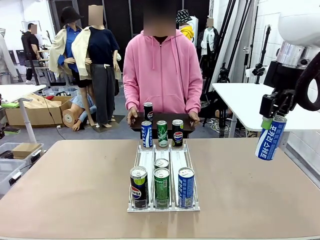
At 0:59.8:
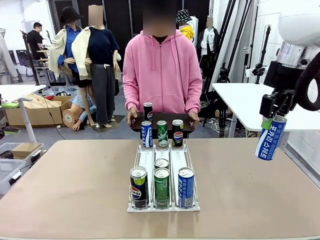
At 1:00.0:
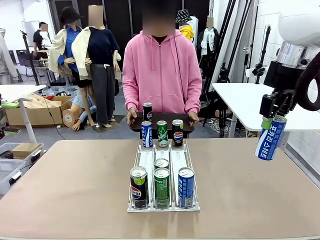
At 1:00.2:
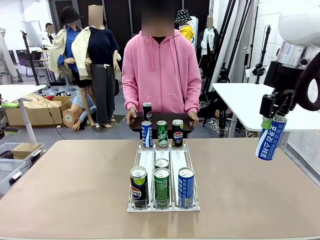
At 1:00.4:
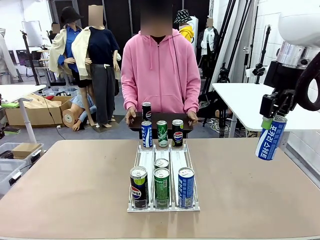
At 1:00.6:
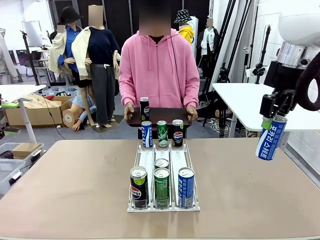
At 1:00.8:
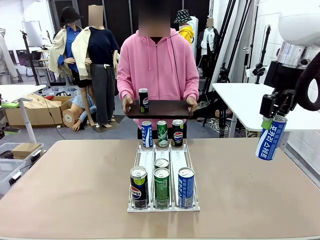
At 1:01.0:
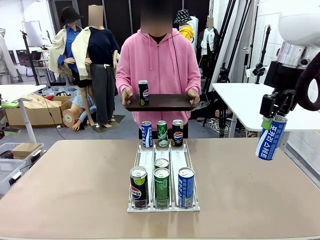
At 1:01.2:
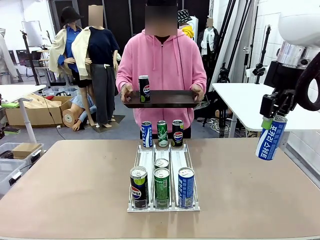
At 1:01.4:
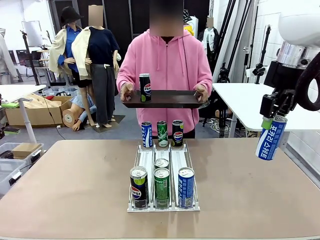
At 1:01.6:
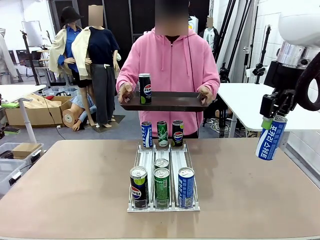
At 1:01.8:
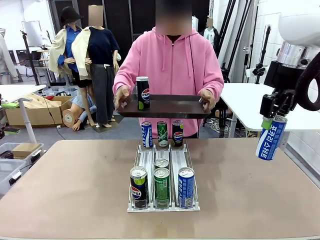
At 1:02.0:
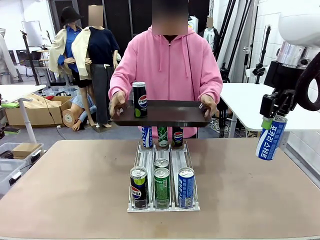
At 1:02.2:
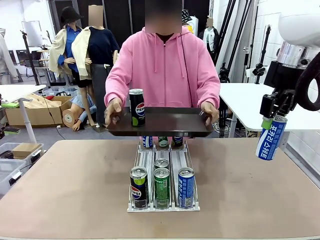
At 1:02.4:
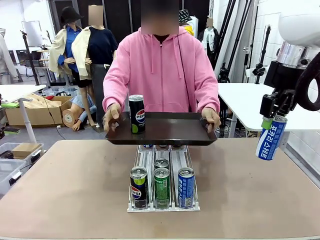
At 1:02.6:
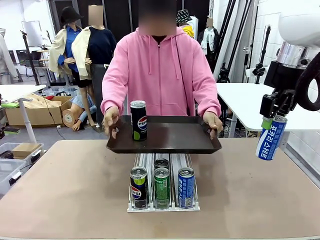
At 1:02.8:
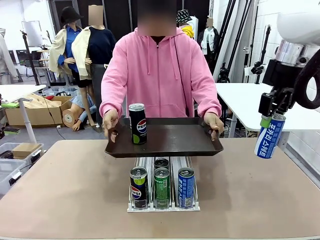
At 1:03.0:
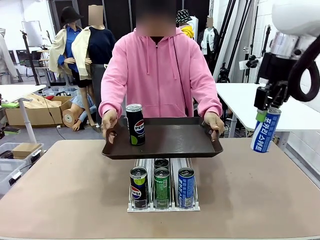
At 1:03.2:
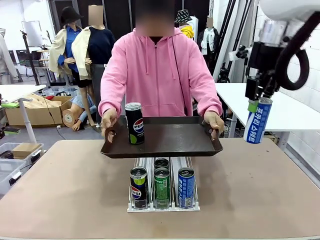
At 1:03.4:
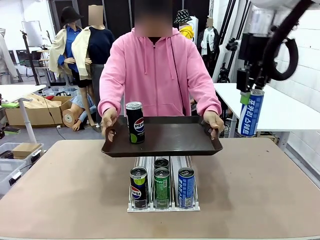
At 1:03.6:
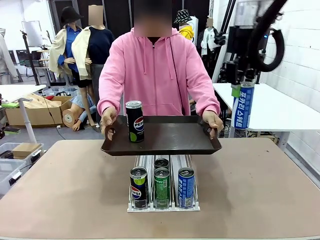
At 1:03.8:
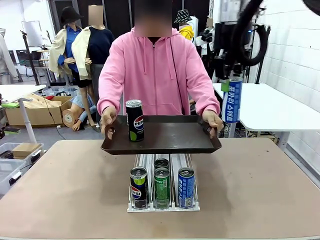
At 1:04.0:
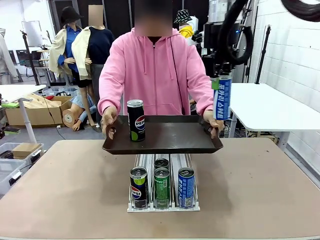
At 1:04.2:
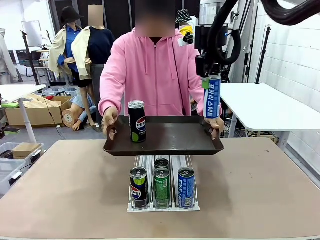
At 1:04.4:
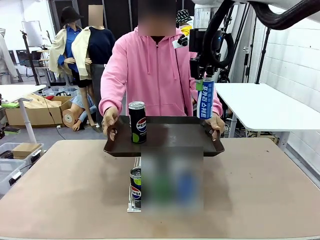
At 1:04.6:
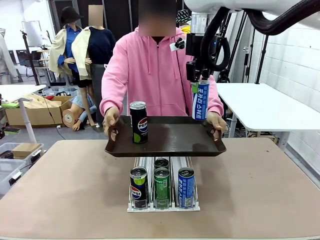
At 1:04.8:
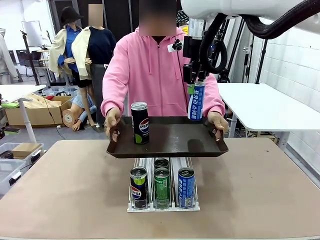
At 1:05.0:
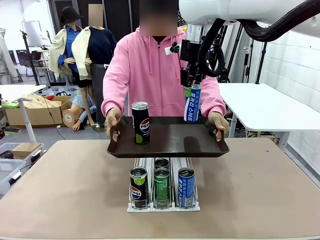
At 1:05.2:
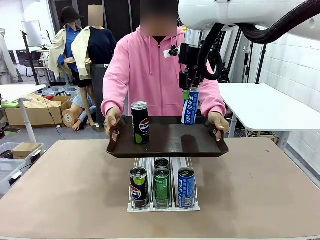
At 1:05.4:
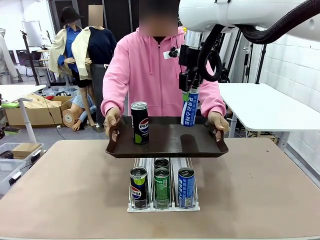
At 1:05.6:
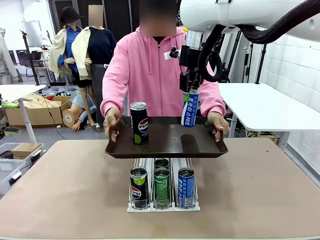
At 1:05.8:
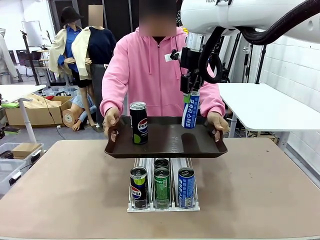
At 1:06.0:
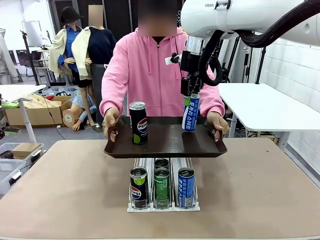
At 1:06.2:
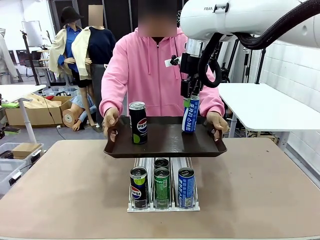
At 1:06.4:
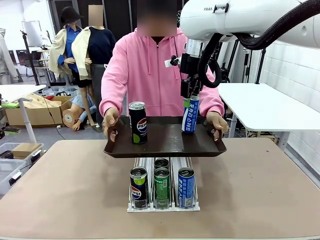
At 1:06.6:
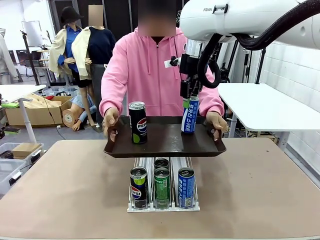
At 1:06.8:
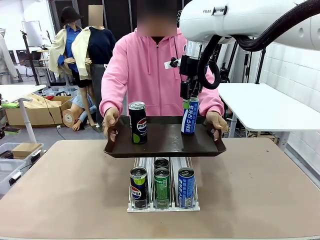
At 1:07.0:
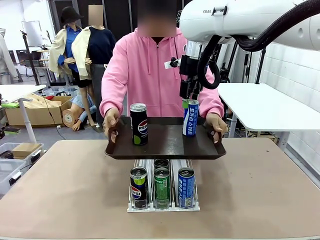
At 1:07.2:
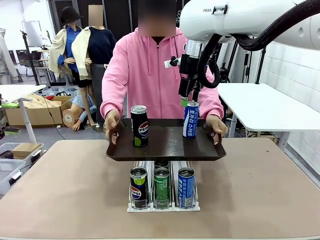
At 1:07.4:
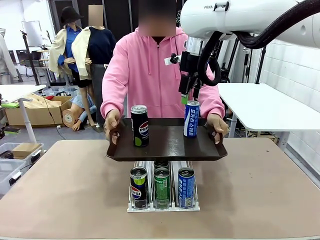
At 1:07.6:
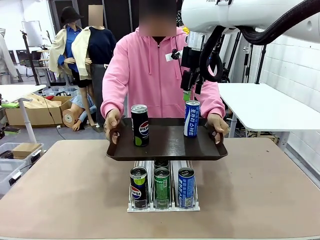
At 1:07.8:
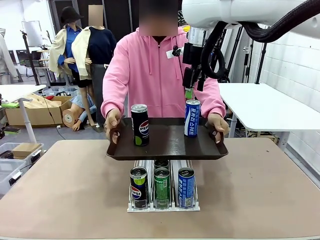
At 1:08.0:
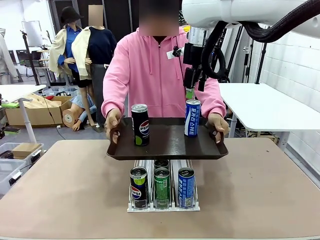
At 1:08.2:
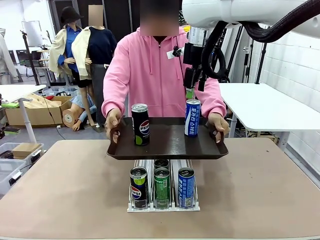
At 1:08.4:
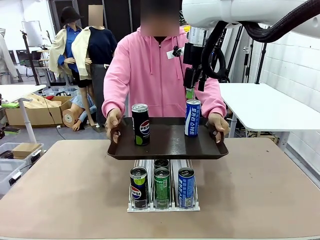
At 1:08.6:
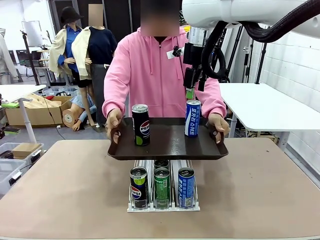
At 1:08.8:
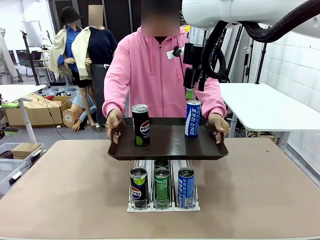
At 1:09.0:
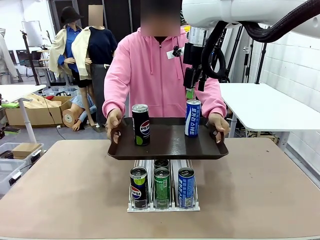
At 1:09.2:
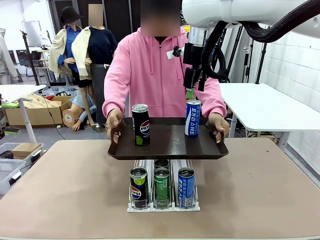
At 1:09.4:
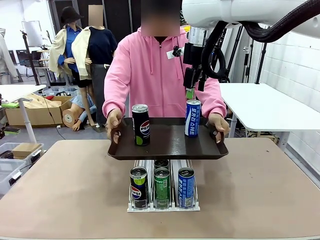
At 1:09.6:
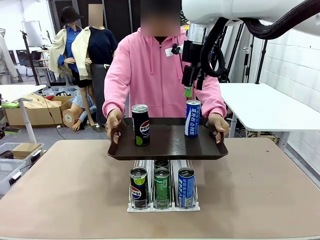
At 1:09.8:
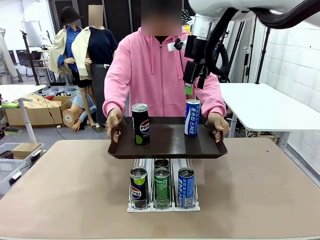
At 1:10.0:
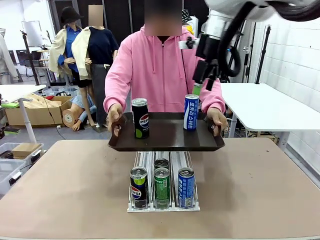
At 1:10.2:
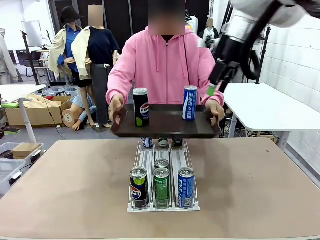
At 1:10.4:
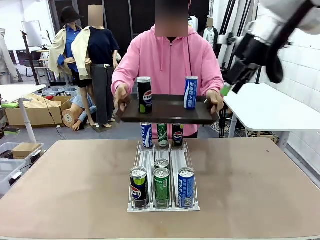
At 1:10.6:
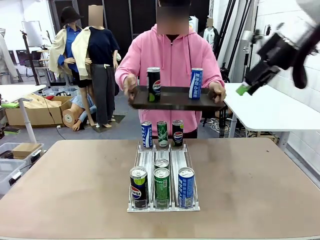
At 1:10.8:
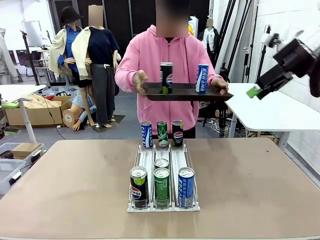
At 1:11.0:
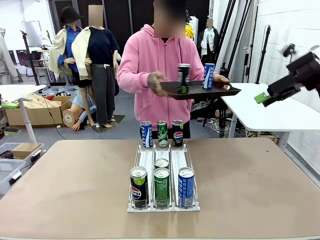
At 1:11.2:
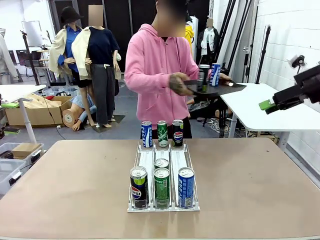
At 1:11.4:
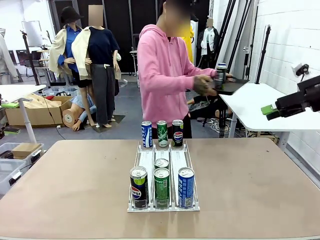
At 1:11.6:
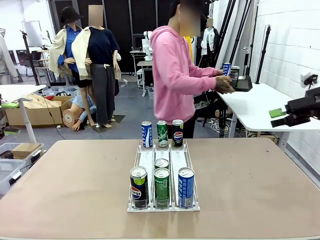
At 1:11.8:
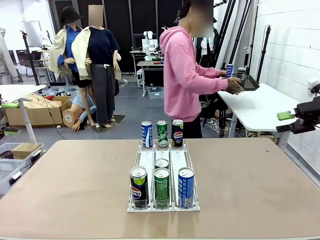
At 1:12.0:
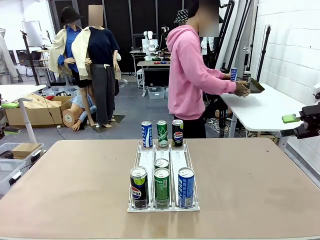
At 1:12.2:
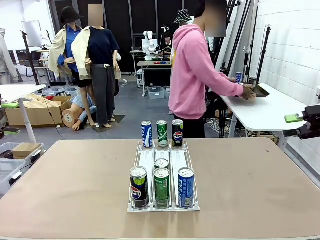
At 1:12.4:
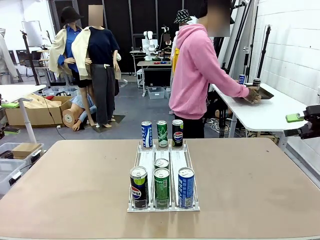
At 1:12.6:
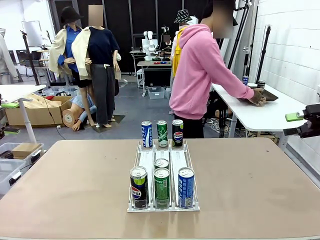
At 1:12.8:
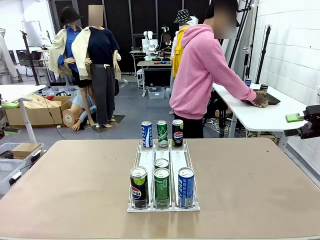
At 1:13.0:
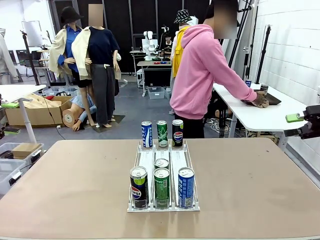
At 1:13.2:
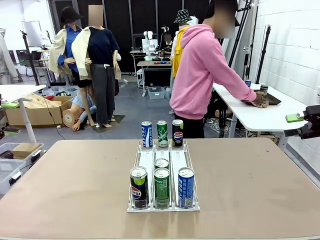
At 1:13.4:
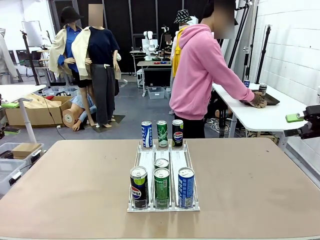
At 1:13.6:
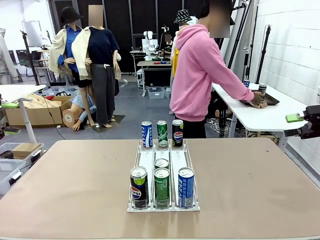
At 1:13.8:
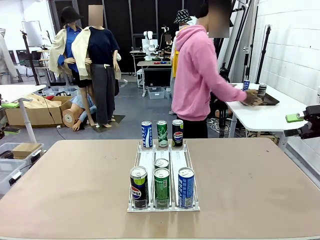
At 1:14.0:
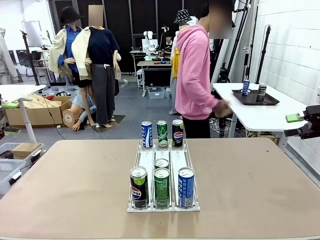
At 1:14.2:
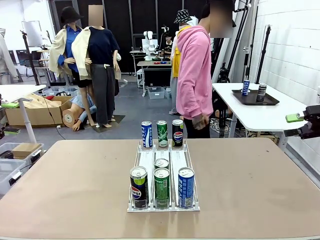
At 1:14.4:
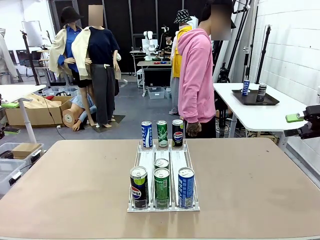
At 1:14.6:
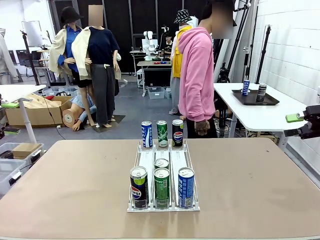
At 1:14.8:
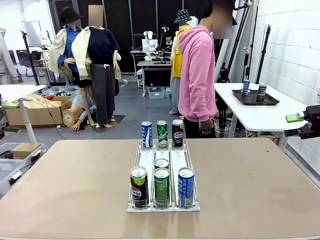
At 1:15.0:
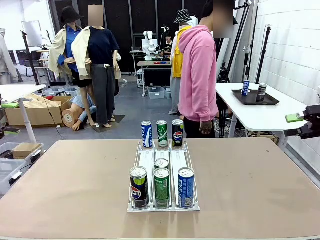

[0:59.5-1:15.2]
Task: Retrieve and hand over the desired beverage to the person.
Robot: Place the picked can on the Handle tray extended by the person.
Person: Pull the tray back and place it at the center of the human table.
